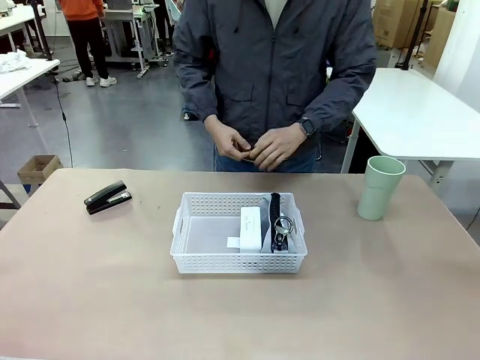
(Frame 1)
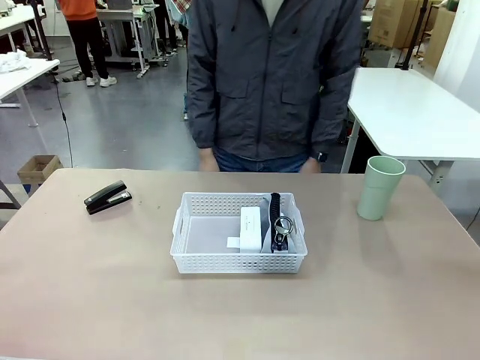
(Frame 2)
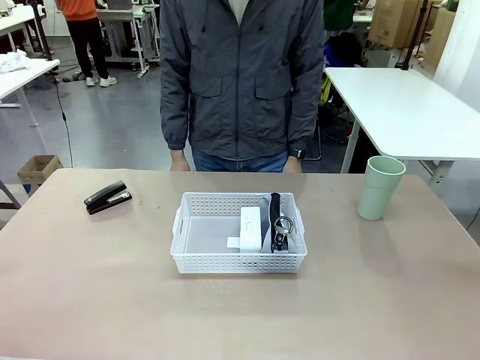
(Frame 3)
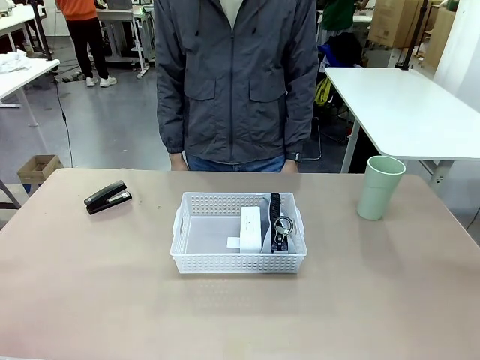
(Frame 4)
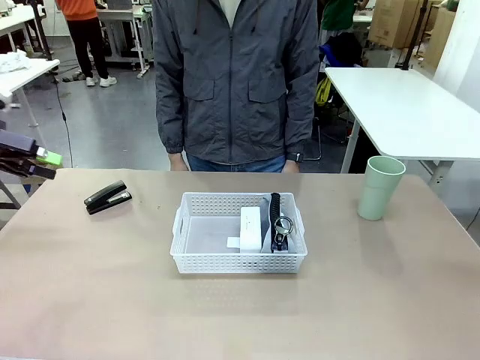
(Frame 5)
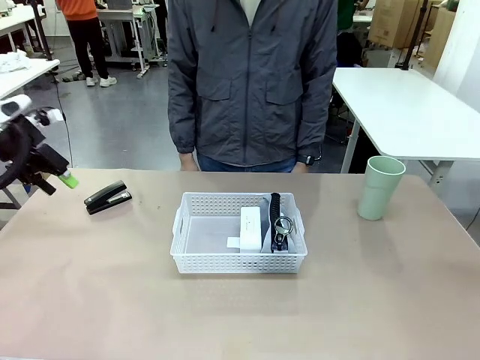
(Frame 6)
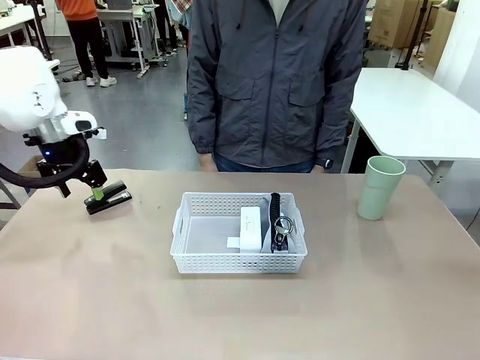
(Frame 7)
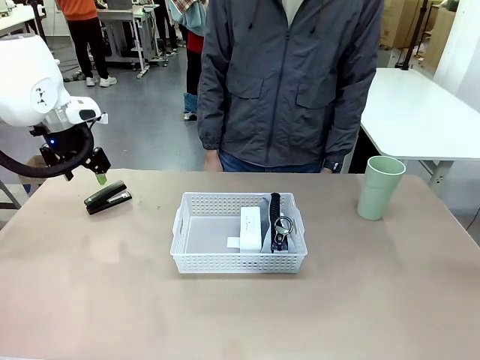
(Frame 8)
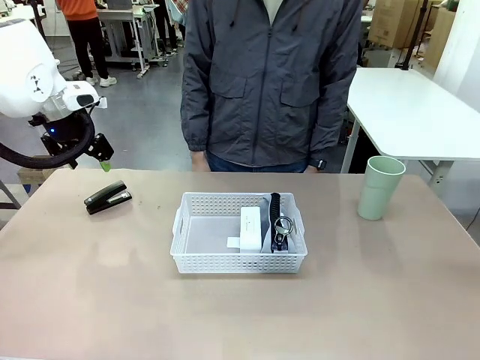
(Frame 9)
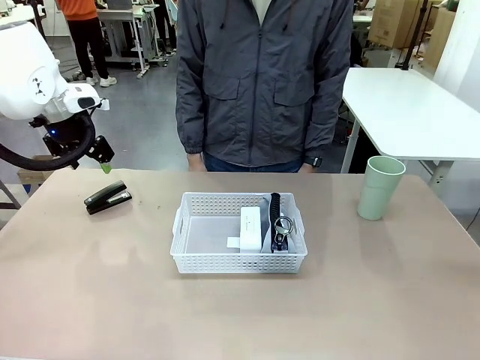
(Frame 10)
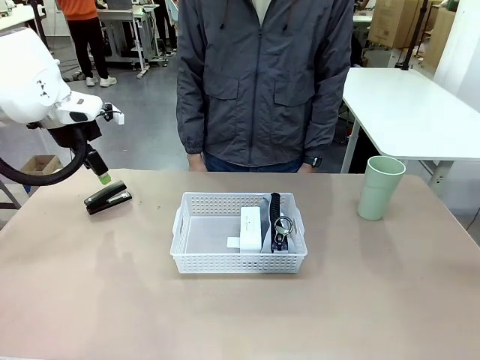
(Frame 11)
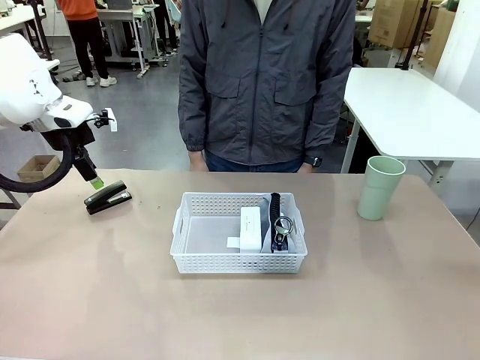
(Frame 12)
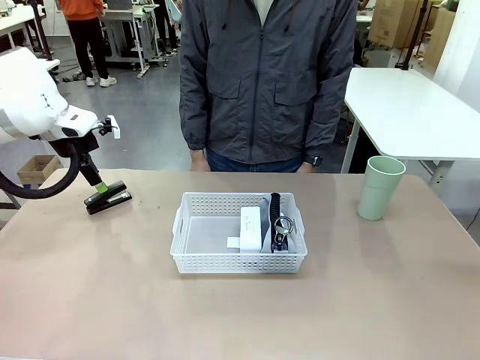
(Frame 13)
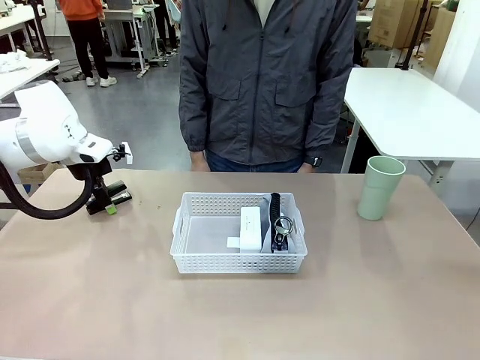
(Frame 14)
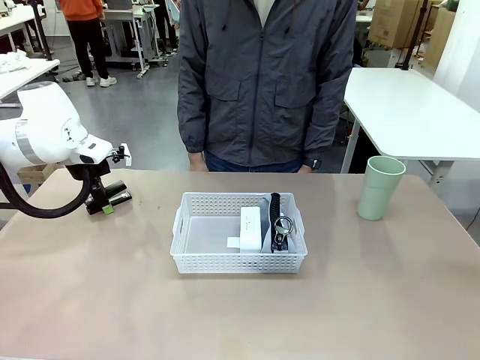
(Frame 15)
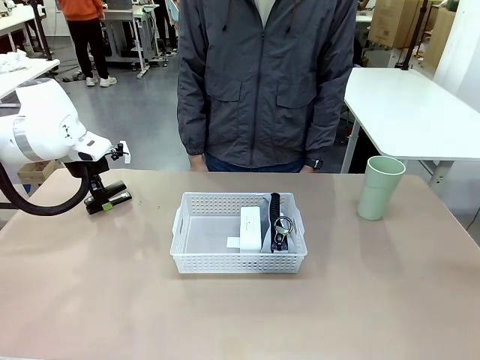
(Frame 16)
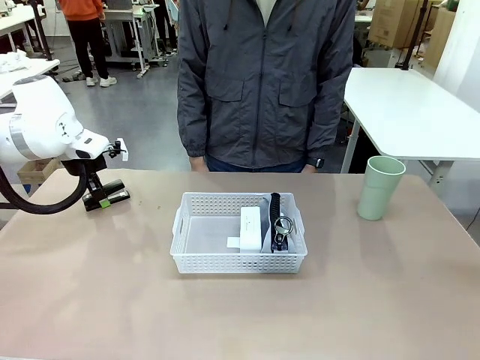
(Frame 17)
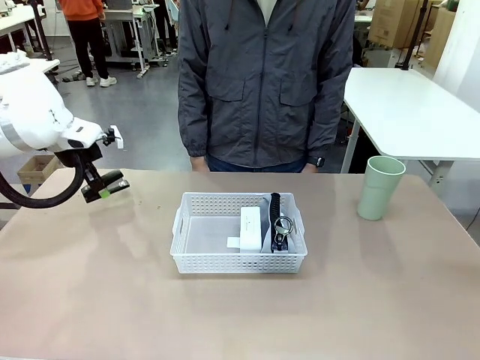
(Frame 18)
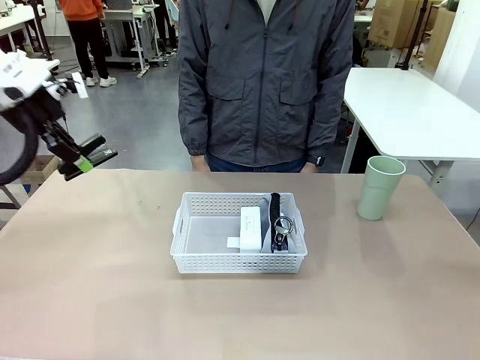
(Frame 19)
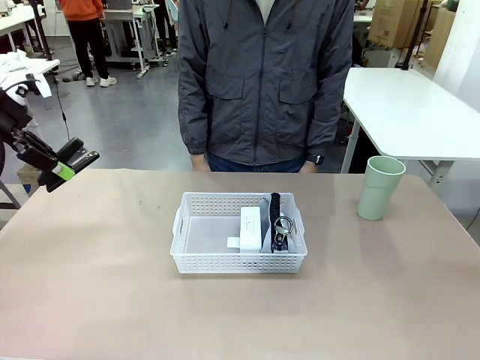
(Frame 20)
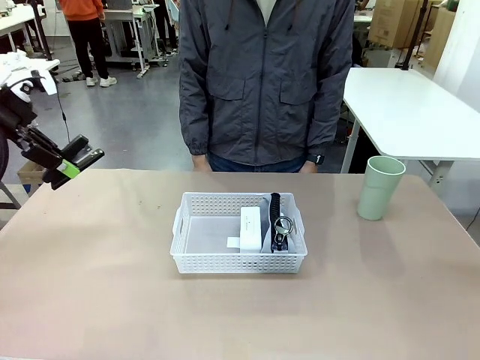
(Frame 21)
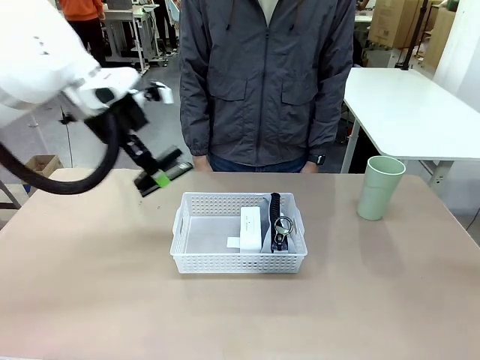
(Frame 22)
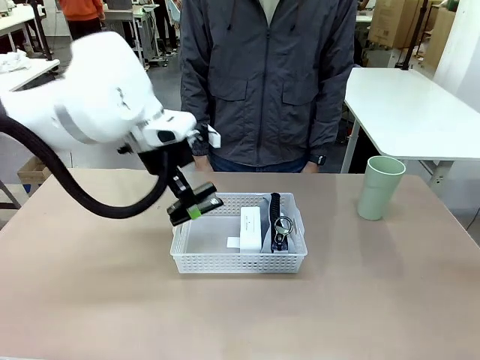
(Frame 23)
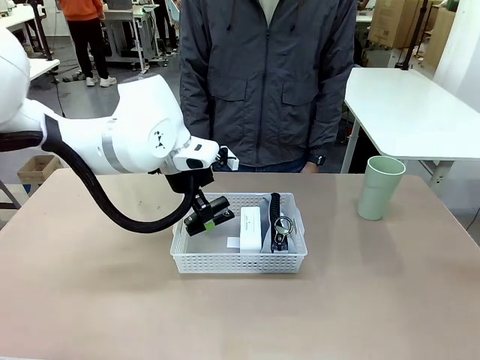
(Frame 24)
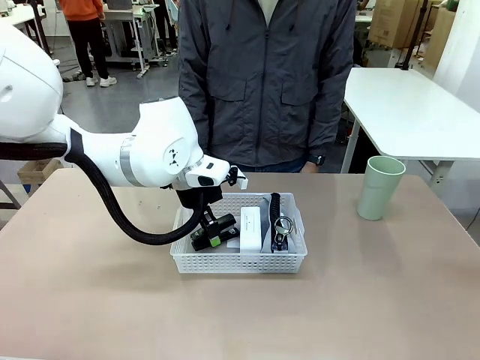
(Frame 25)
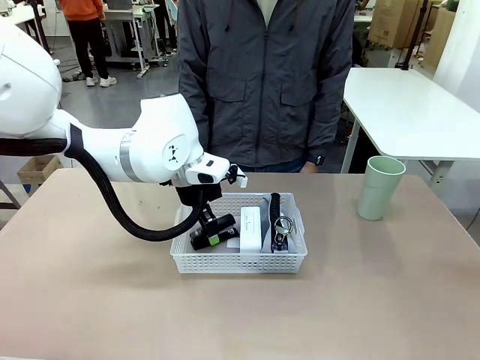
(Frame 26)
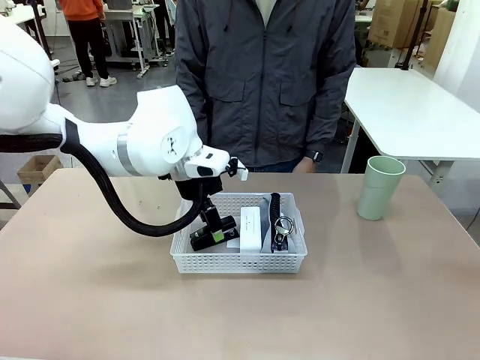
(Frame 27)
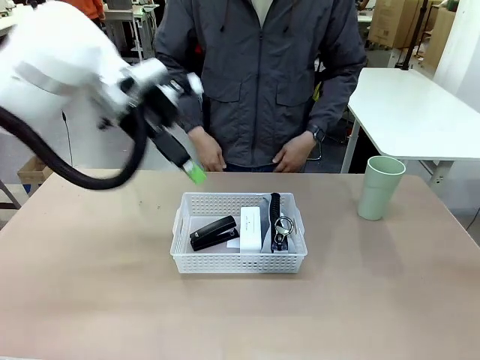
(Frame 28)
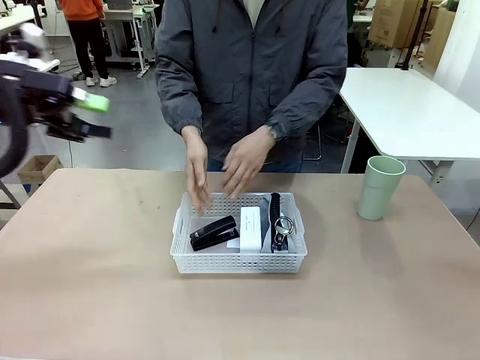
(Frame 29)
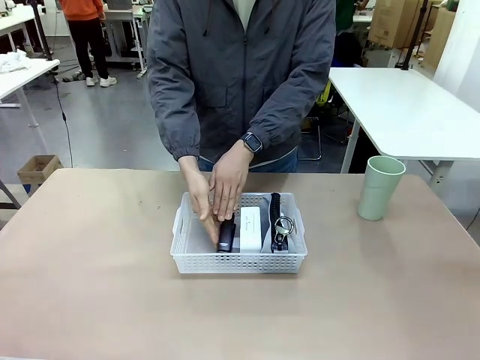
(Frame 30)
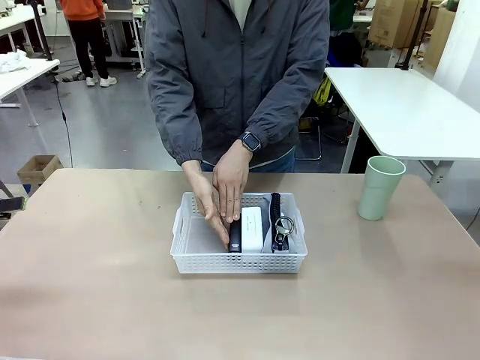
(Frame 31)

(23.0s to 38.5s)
Task: Efficiently arrange items inside the basket to fit them all.
Robot: Pick up the Stapler and place it inside the Organizing basket.
